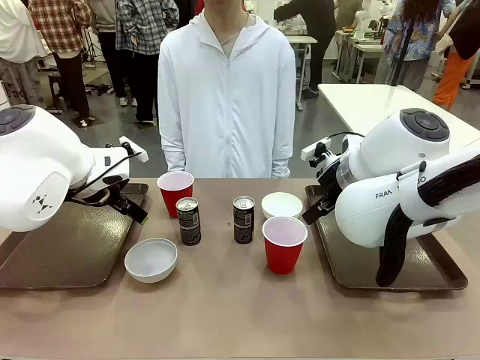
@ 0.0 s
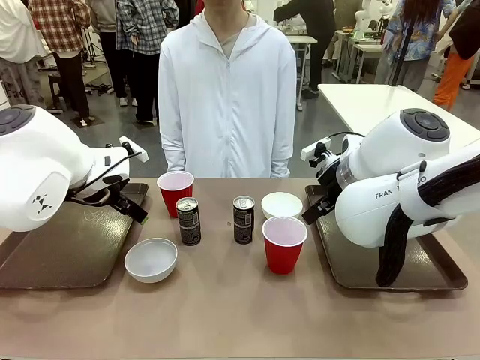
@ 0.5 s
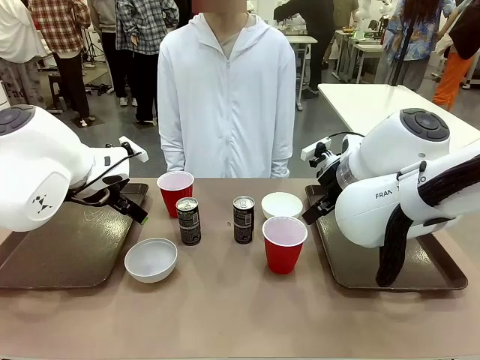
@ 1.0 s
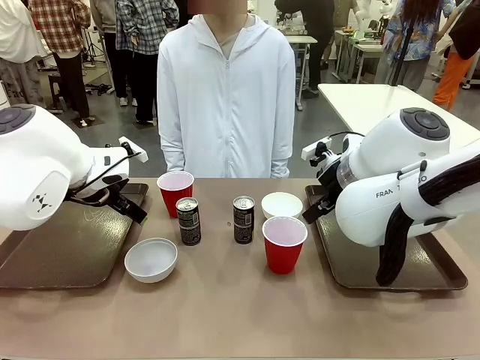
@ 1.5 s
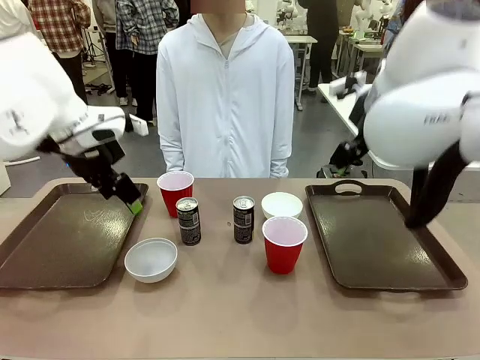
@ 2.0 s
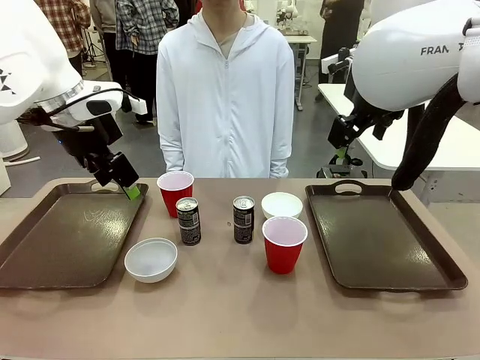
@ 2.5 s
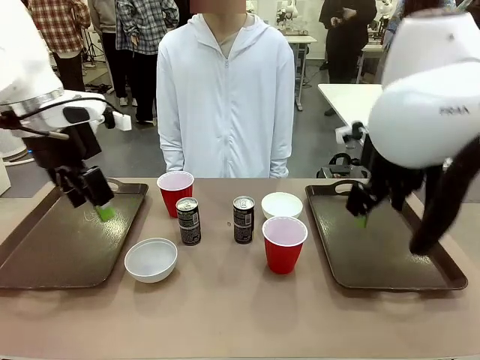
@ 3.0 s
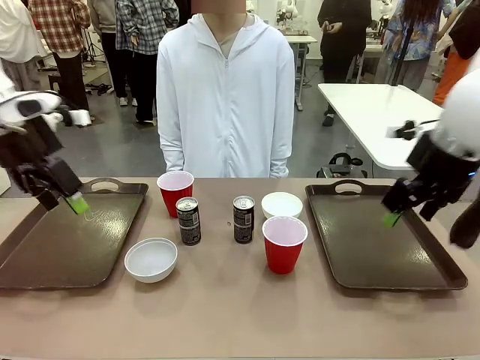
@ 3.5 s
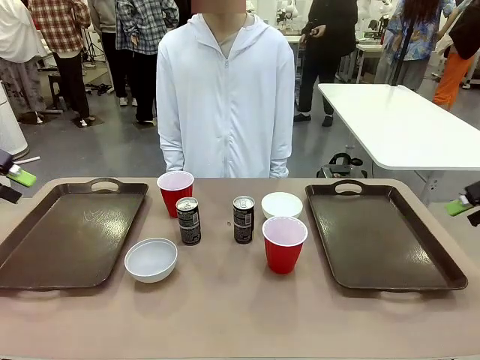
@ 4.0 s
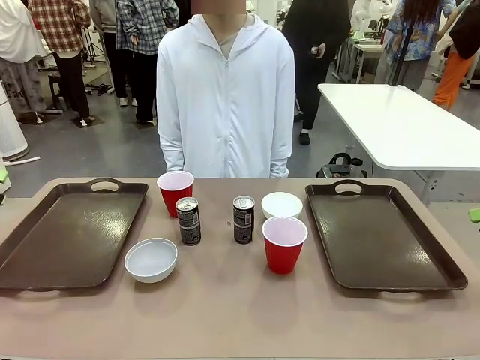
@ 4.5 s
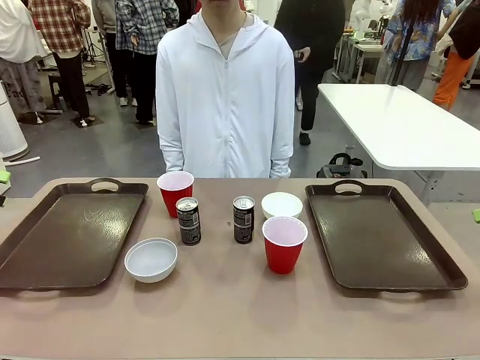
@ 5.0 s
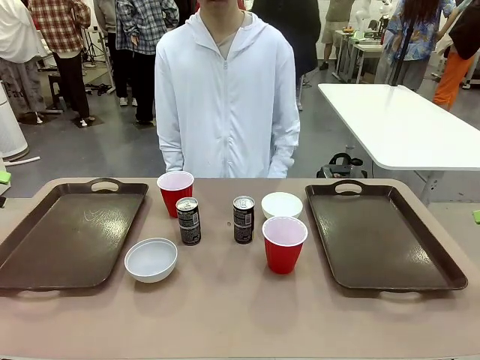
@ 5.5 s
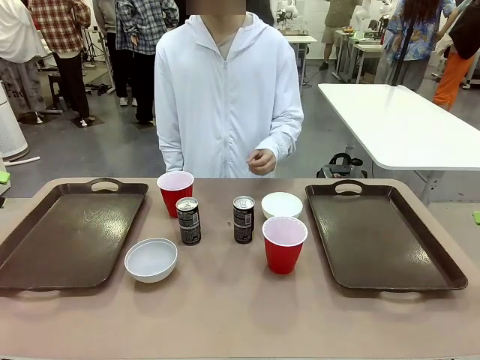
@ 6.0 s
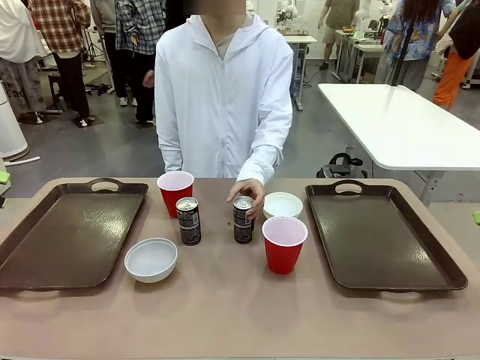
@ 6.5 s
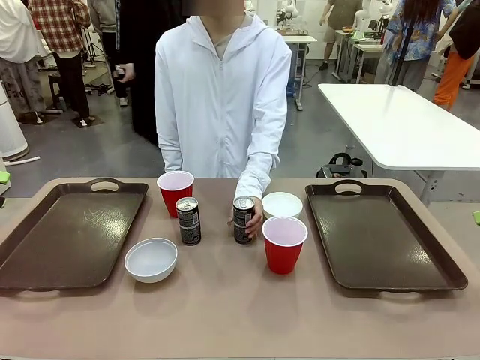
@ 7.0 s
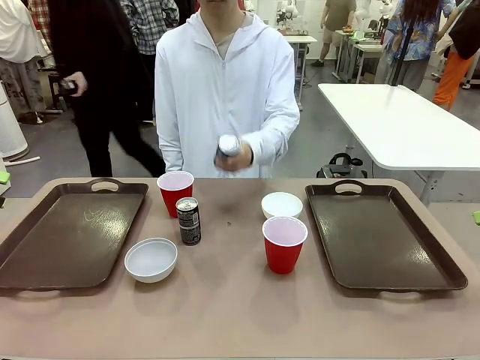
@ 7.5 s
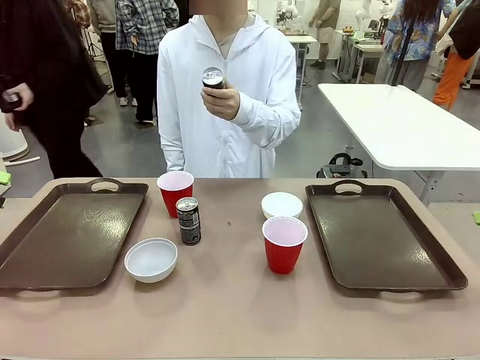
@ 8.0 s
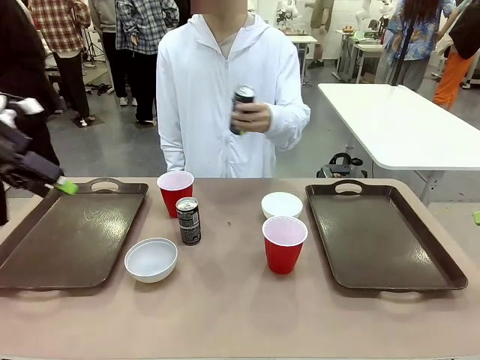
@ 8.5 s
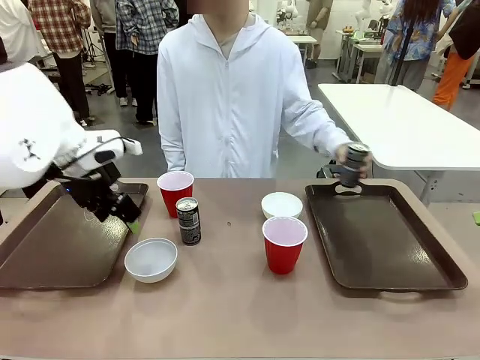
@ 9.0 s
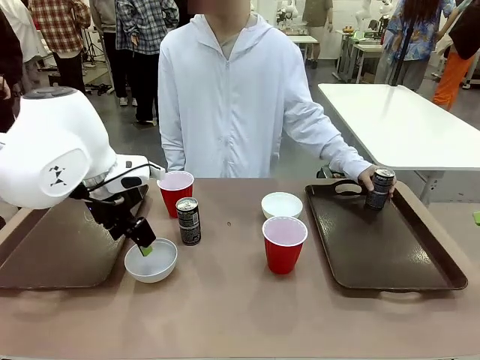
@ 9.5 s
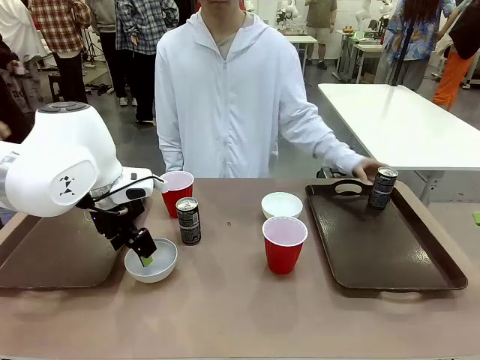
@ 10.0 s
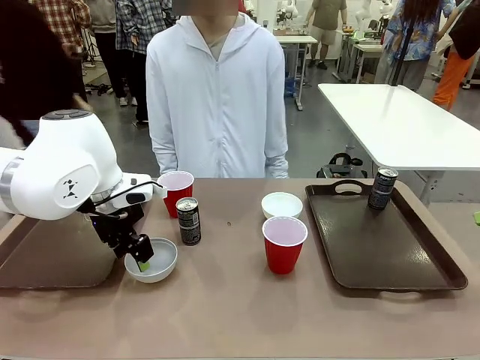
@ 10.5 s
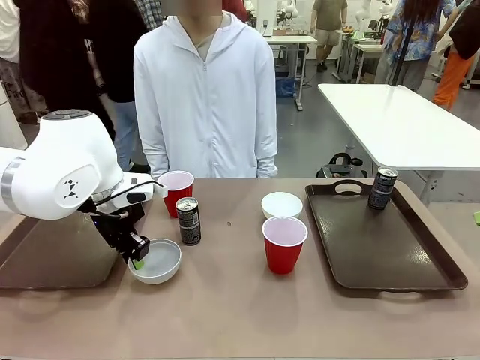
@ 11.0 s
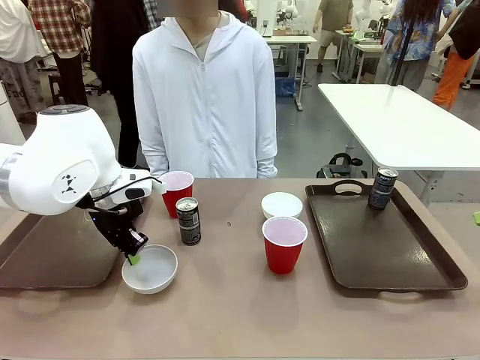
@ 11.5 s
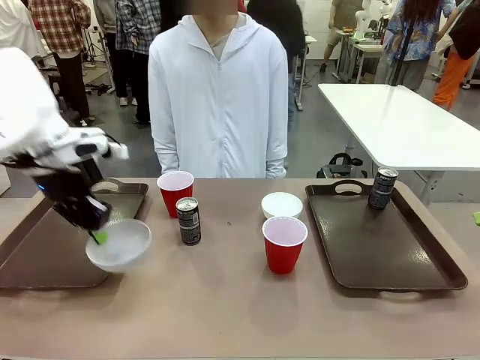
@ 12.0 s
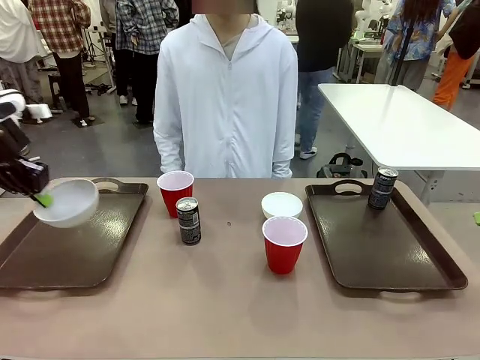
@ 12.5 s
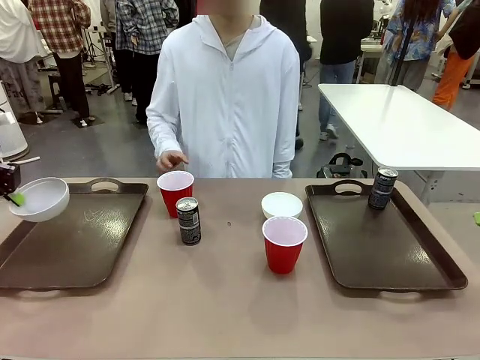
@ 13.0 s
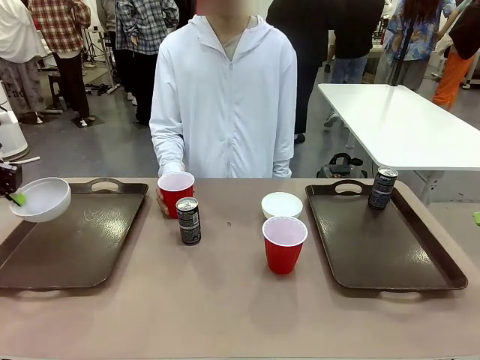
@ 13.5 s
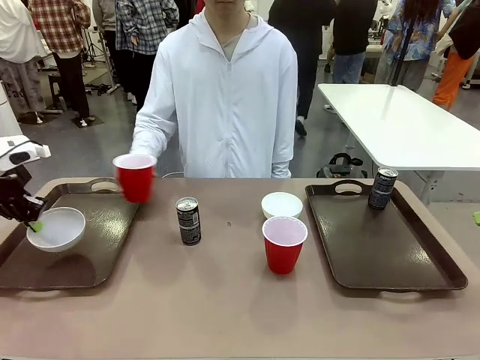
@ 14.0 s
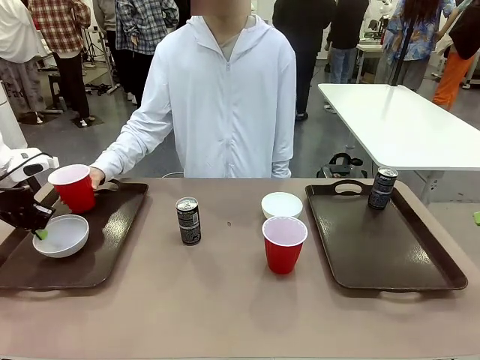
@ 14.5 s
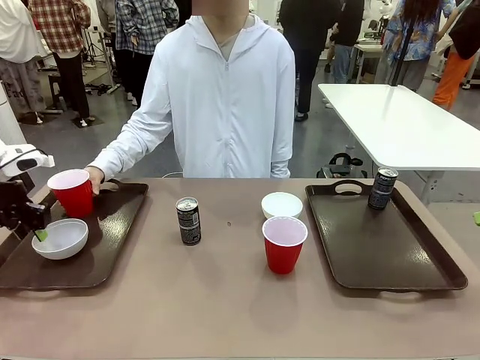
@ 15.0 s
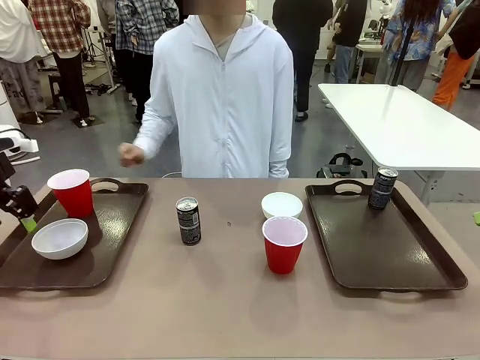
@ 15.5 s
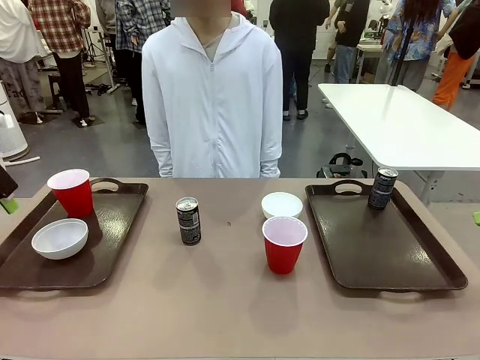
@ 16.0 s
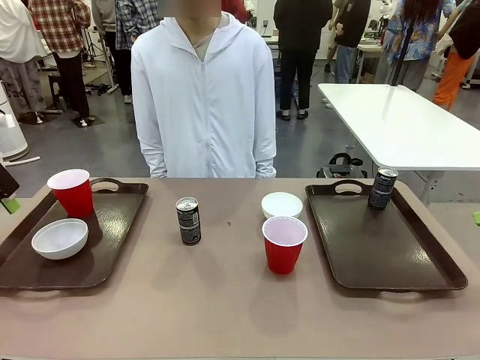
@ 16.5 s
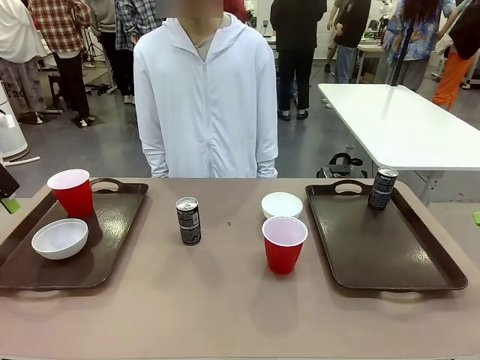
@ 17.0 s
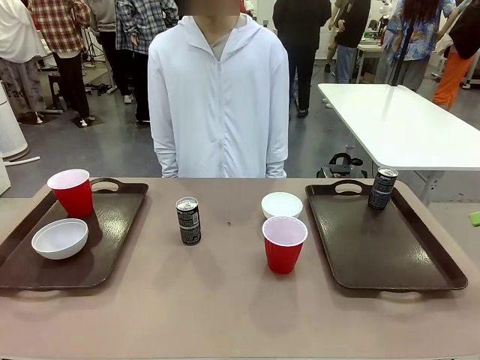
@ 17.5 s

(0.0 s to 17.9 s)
Task: Prepare tableware on both trays.
Robot: Pick up a Picnic Bowl from the table and place it on a Handle tray.
Person: Pick up a can or cup and place it on the tray.
